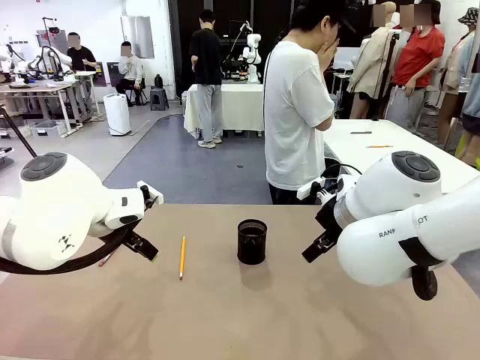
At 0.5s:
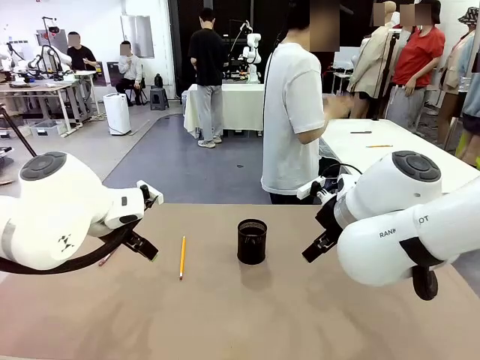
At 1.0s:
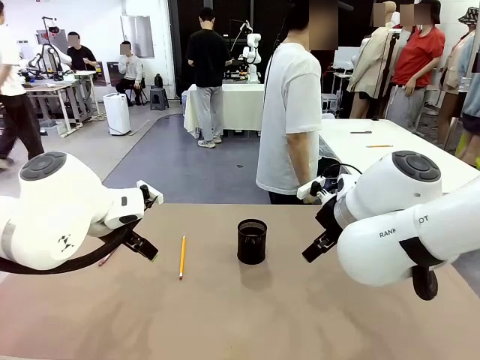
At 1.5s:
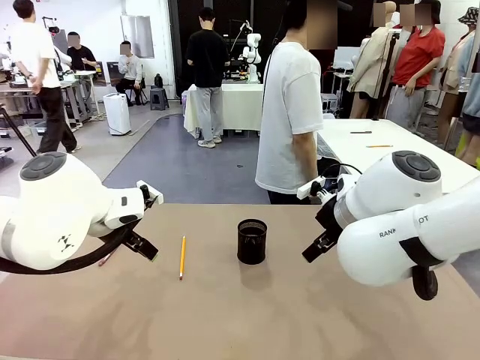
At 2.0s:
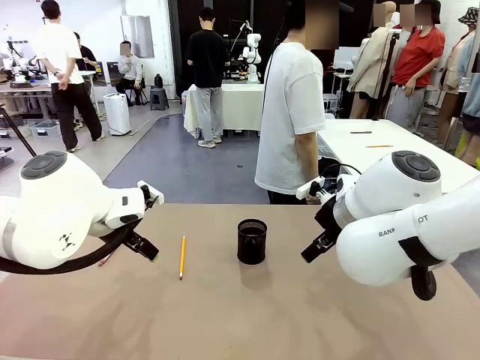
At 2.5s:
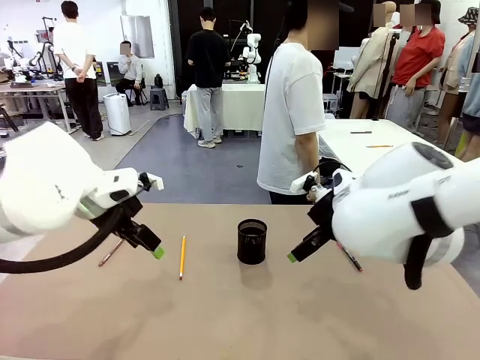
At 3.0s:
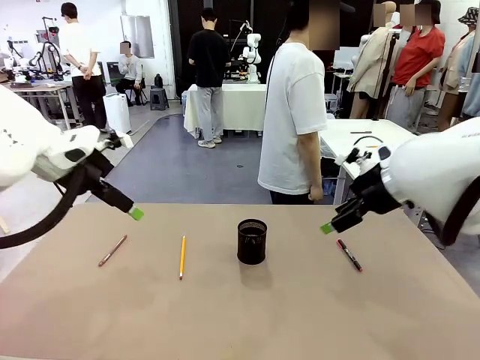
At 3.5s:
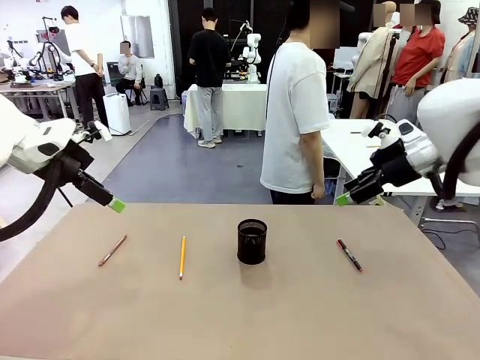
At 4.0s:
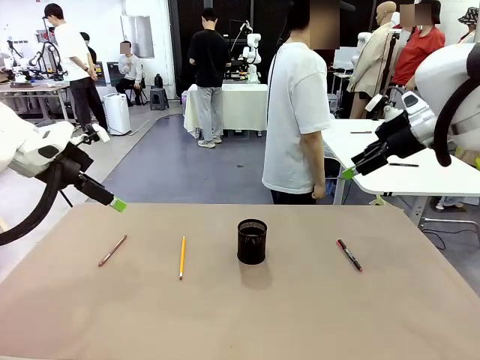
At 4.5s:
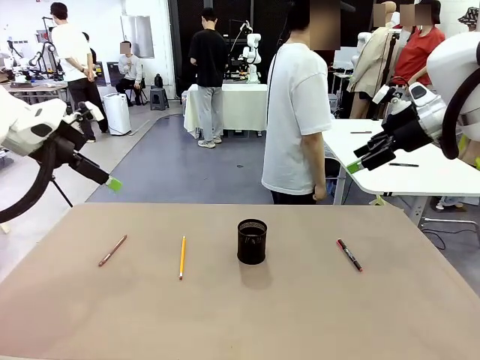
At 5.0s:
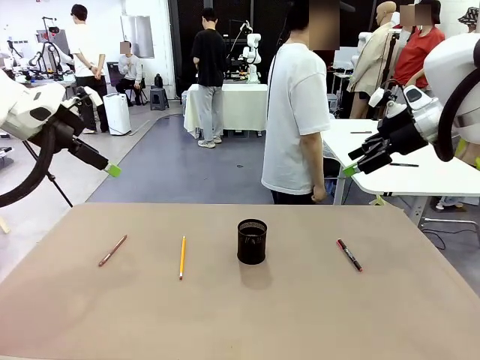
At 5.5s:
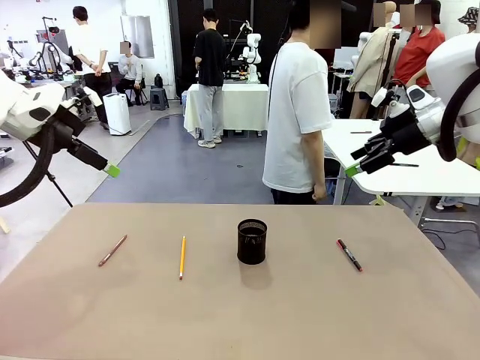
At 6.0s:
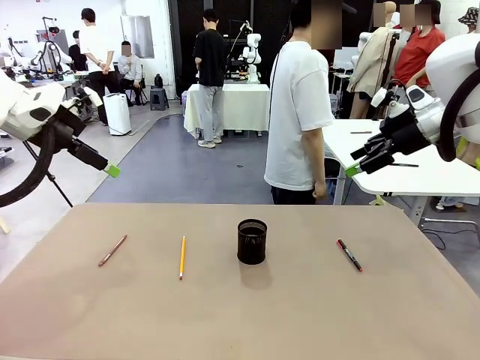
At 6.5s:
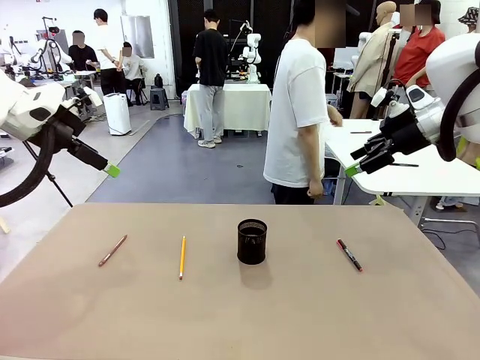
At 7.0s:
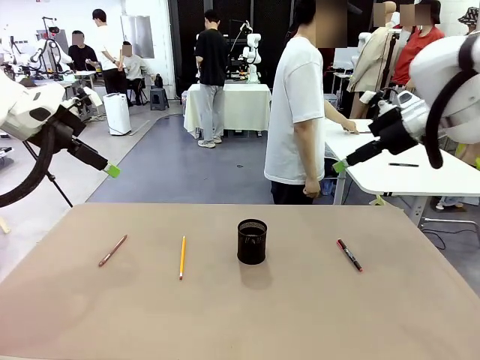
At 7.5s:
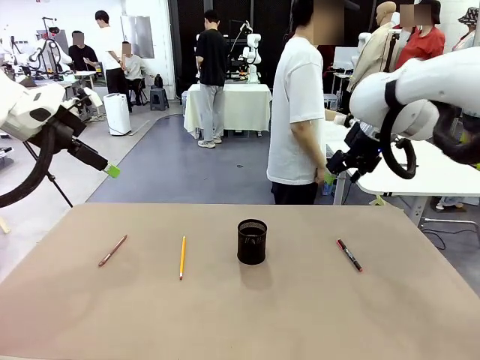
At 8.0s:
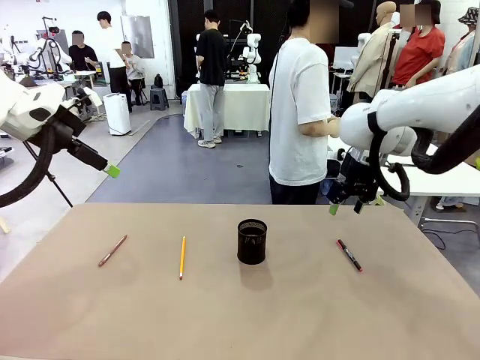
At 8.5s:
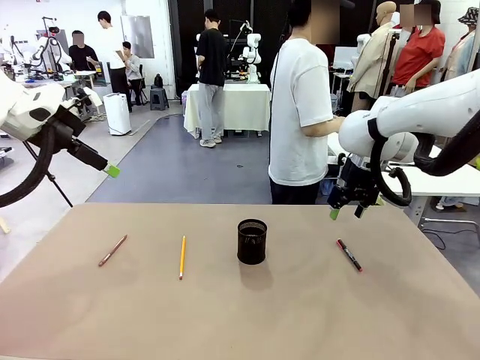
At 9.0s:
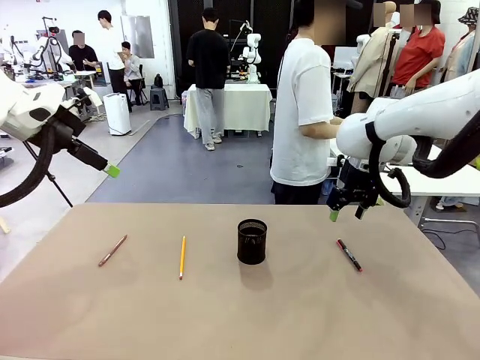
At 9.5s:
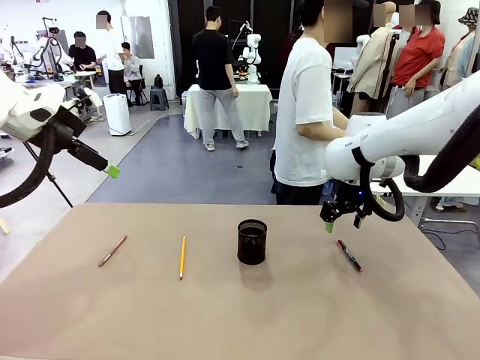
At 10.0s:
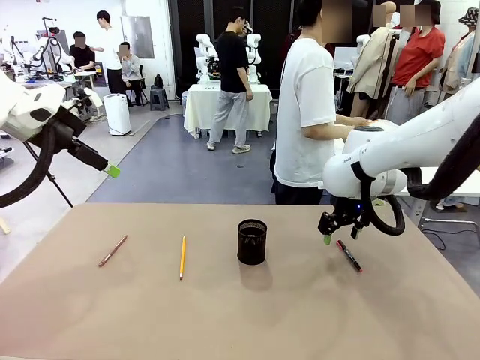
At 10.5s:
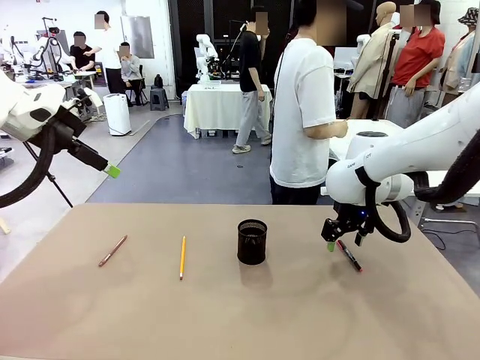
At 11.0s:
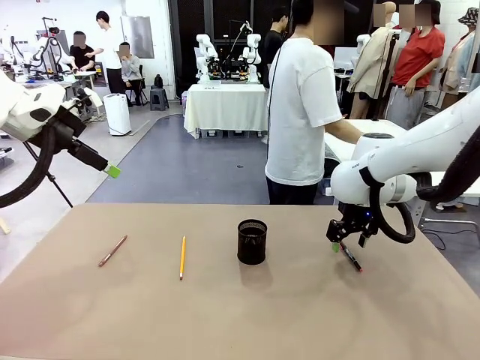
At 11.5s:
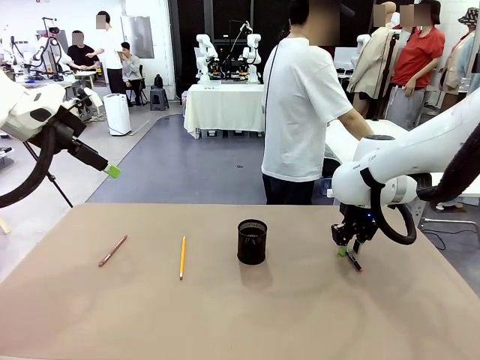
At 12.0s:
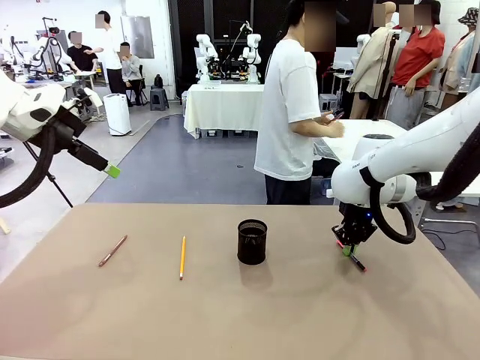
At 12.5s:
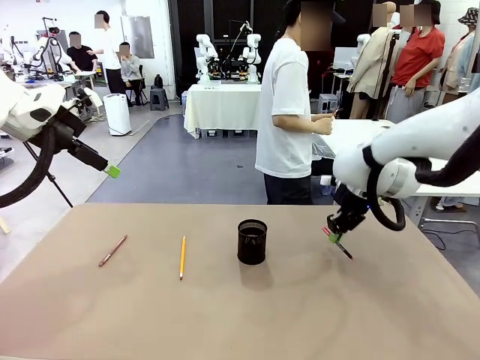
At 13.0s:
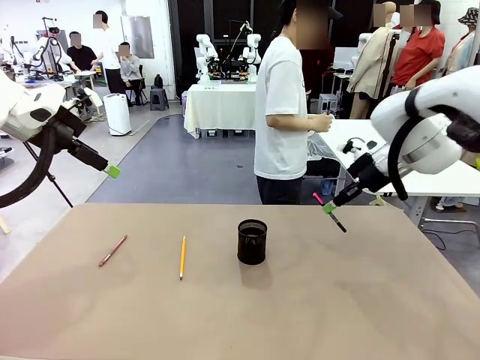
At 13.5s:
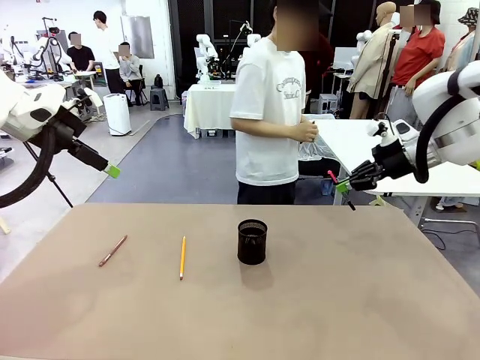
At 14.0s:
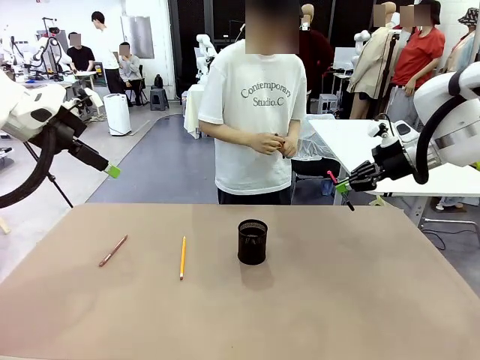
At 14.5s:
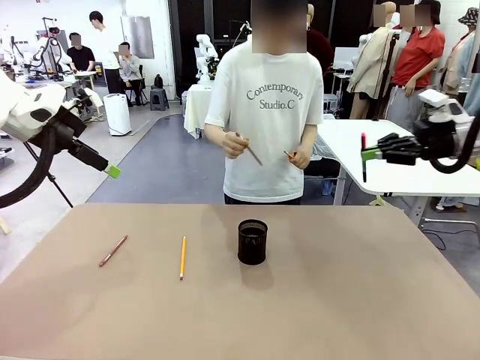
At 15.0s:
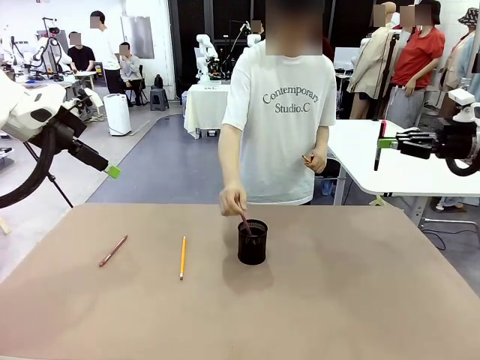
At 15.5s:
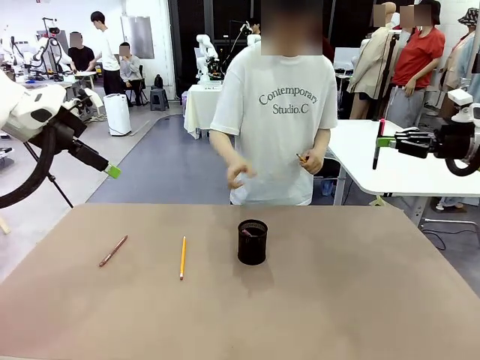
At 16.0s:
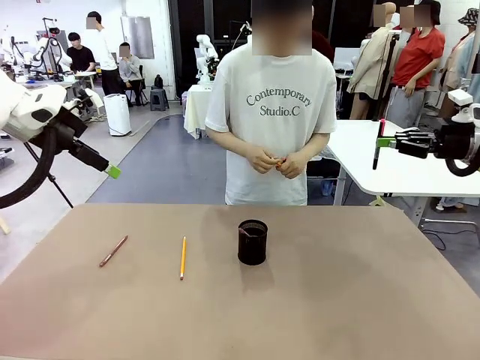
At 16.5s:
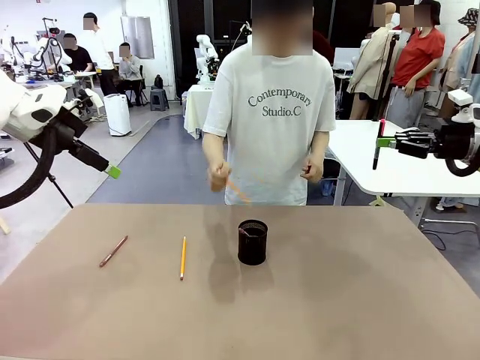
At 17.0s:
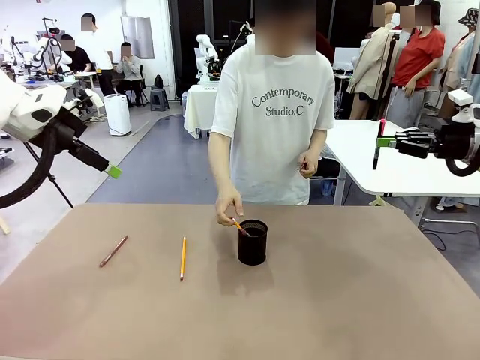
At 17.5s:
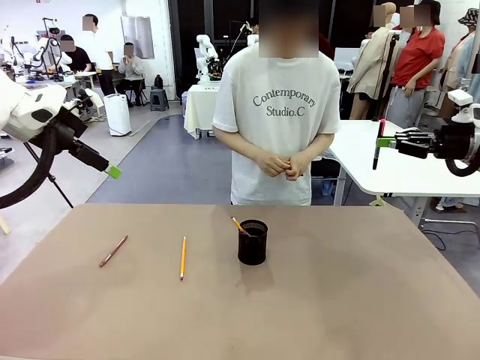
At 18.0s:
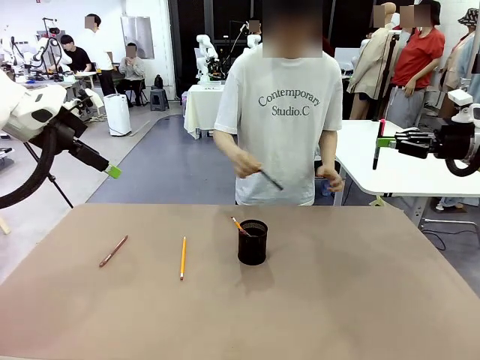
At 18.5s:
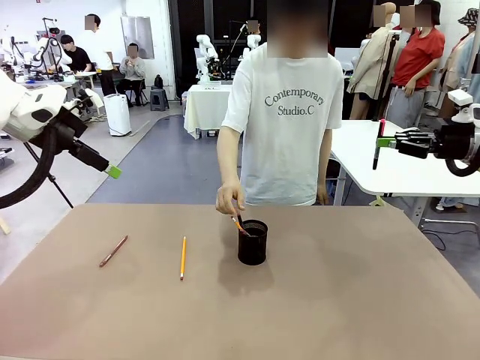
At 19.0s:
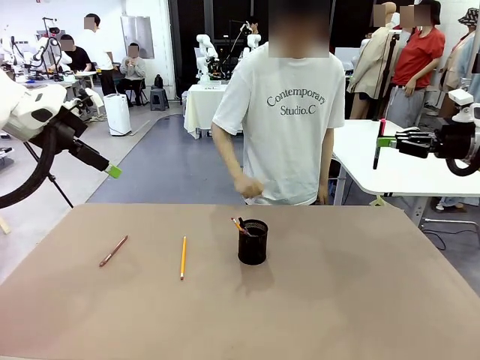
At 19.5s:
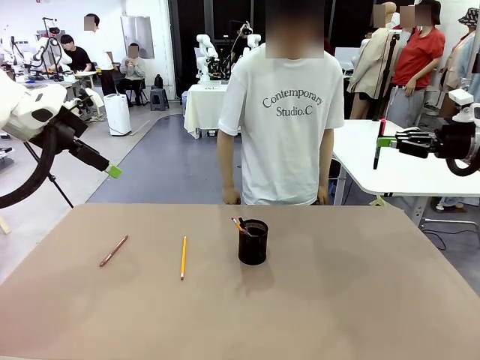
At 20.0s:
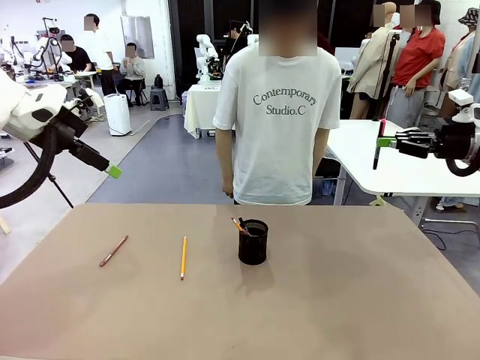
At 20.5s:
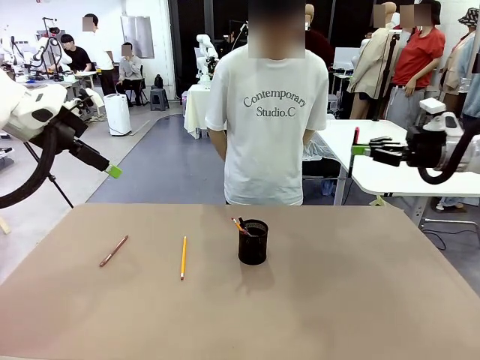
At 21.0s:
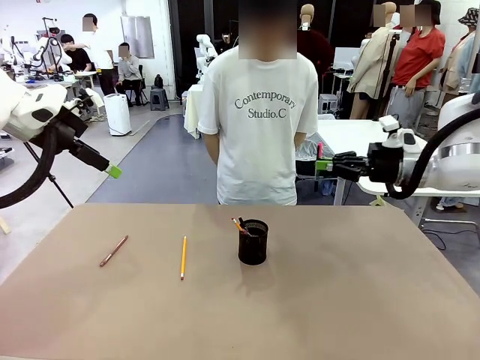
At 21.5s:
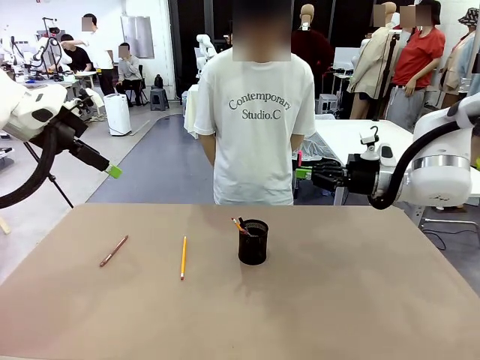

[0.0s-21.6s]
Task: Place the pens into the pen holder.
Robot: Pick up a writing instrument from the table and place it into the Pen holder.
Person: Pick up all writing instruments from the Human table.
